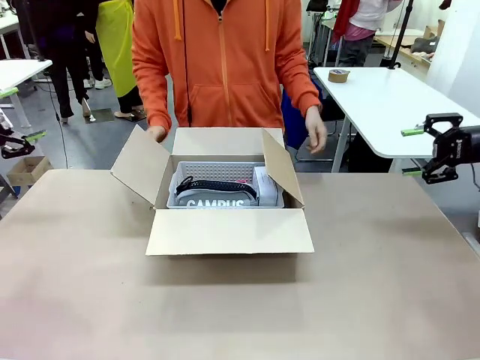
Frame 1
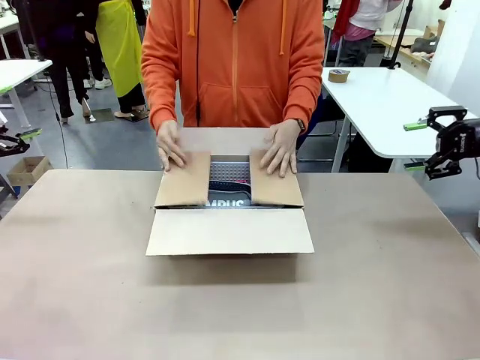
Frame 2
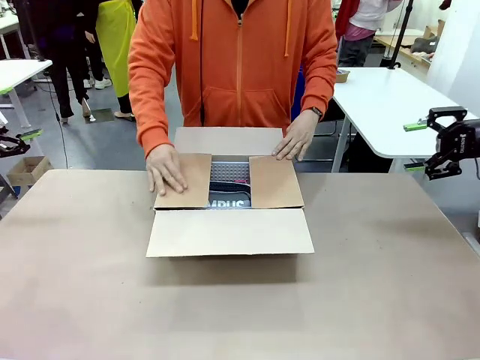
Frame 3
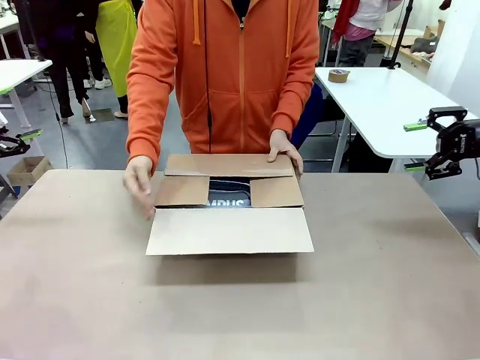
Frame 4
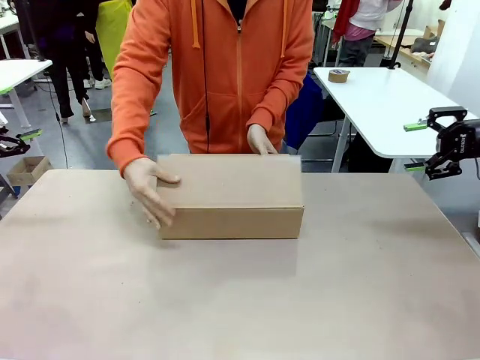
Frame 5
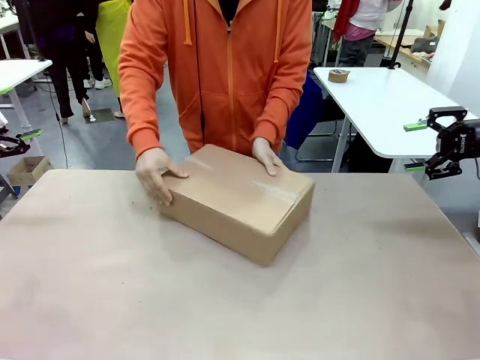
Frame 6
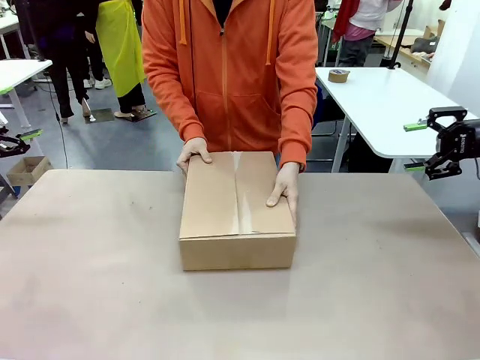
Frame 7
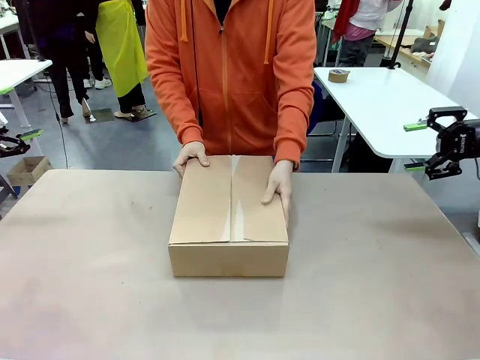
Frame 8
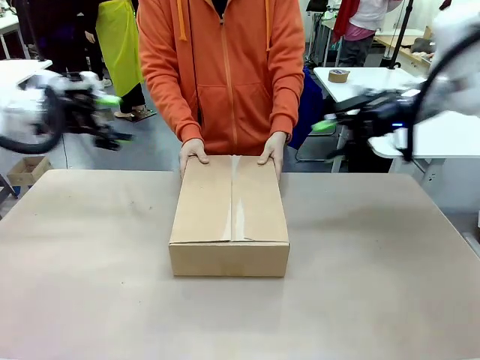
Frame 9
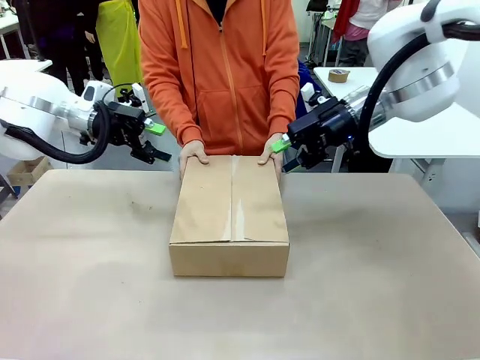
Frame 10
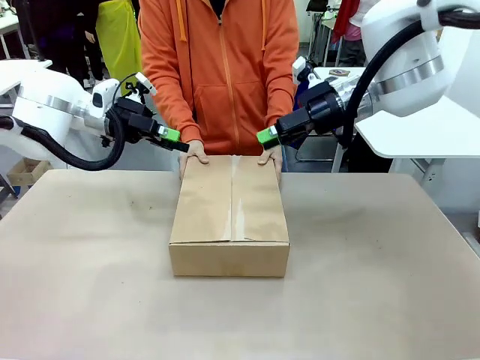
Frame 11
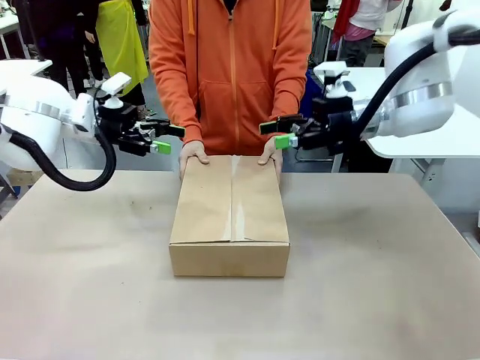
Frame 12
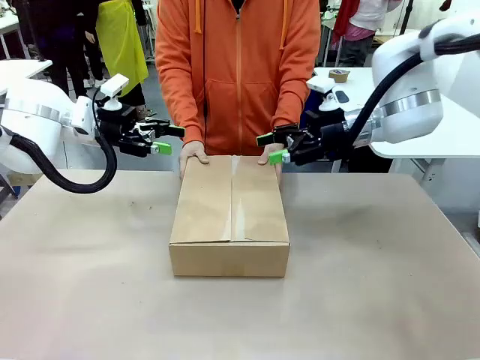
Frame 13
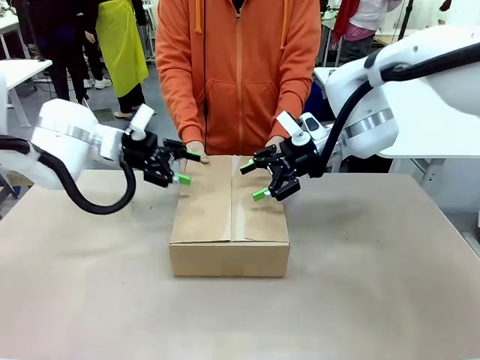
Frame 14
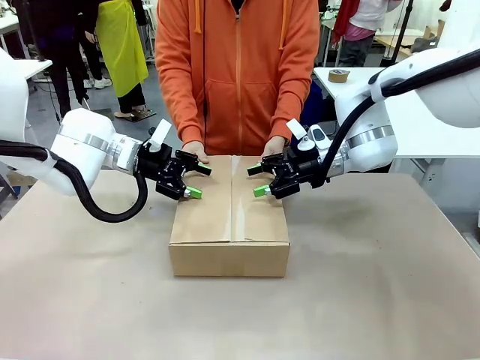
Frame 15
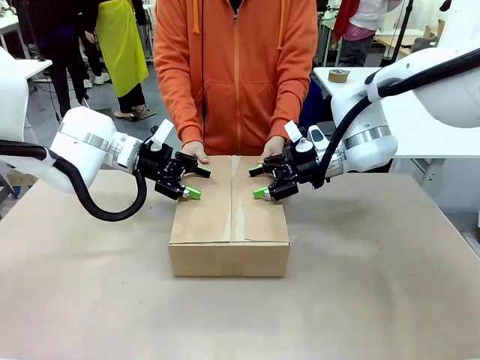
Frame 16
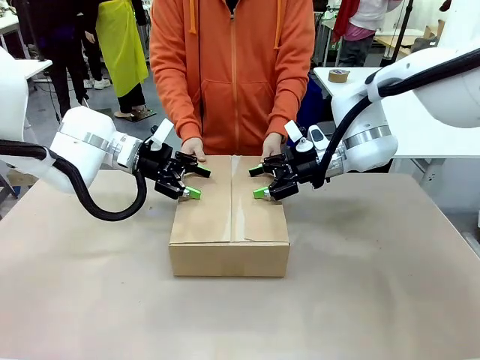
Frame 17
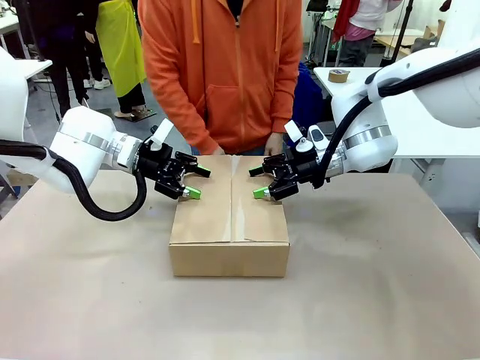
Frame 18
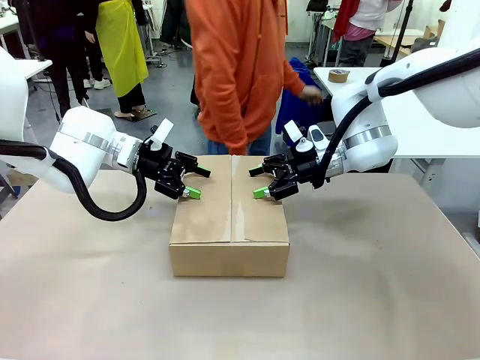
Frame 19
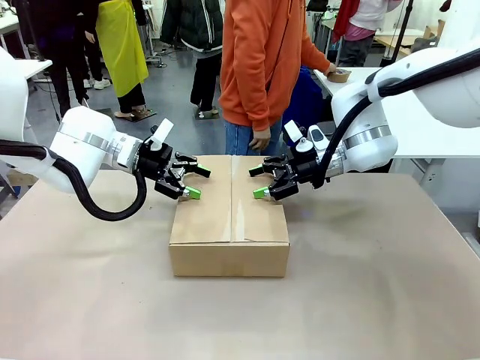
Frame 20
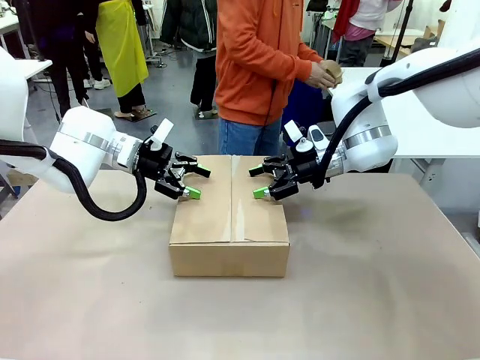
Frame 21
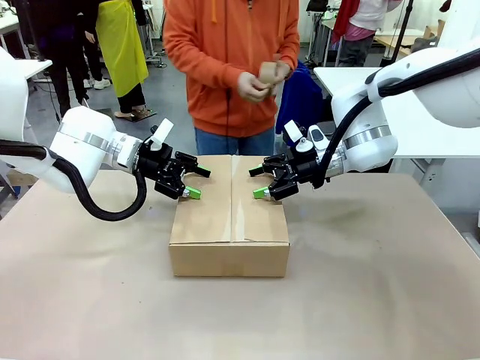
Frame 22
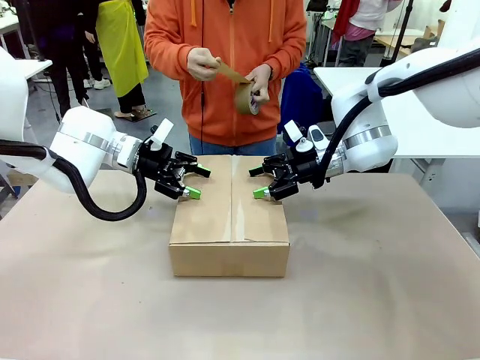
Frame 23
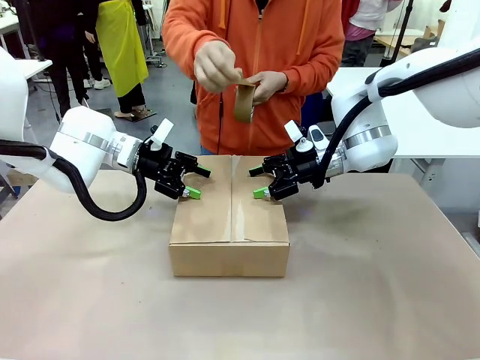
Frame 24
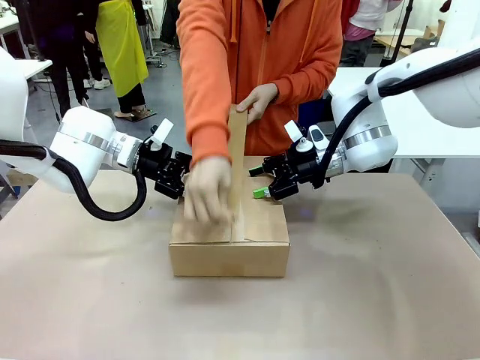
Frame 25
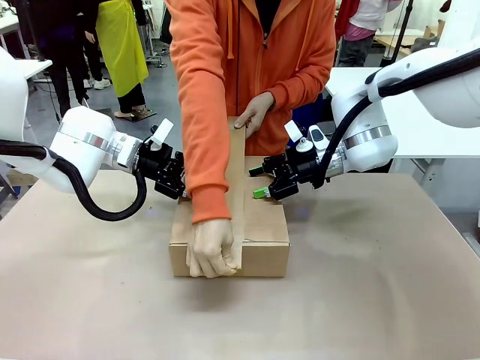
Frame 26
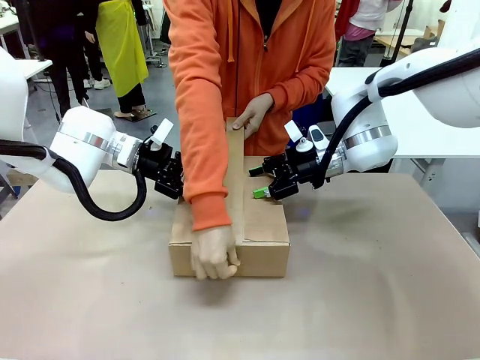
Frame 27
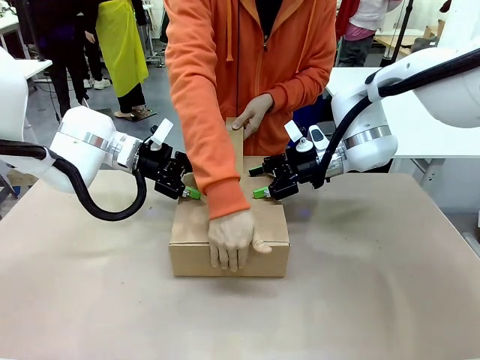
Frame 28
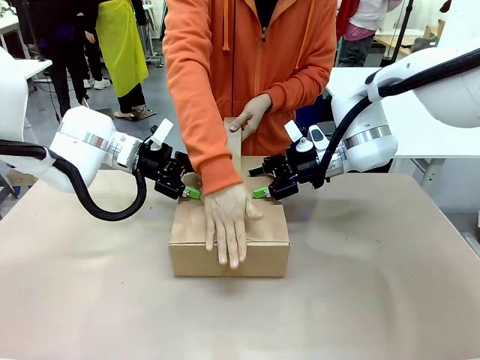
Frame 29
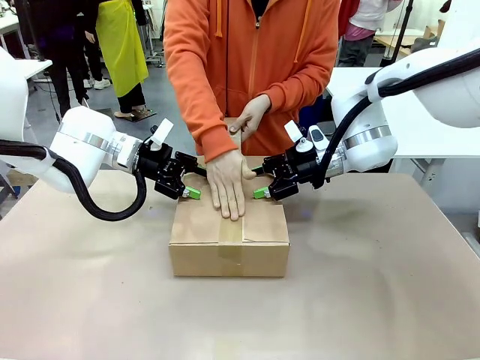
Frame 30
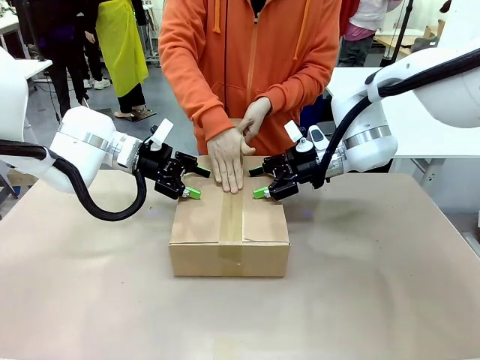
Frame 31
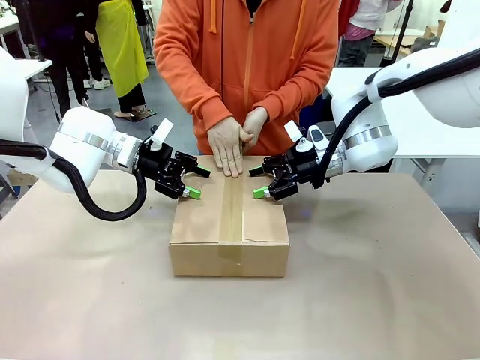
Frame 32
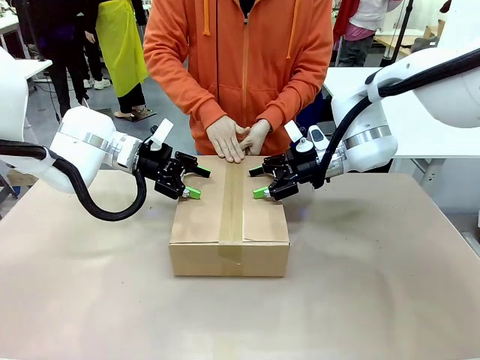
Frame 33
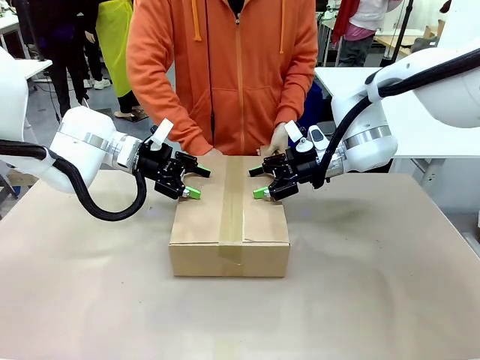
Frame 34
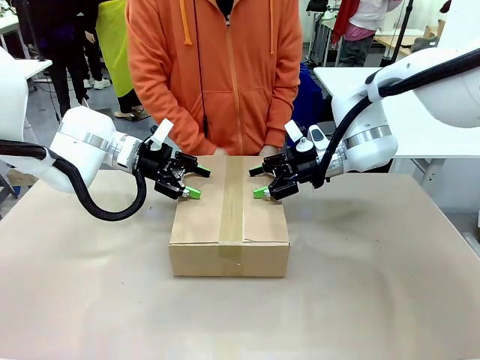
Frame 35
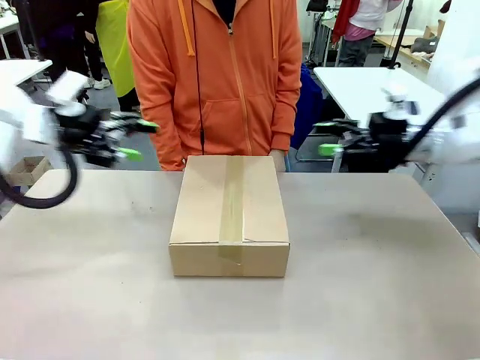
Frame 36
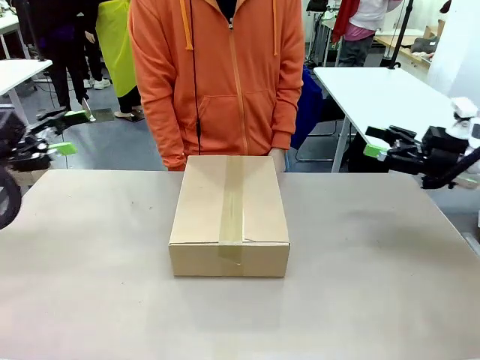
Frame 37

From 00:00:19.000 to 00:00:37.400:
Task: Pack the gift set into the box.
Robot: Press and hold the closed box until the human finishes sealing it.
Person: The human closes the box and rotates the box by 90 degrees. The human picks up the paper tape from the human table and packs the box.

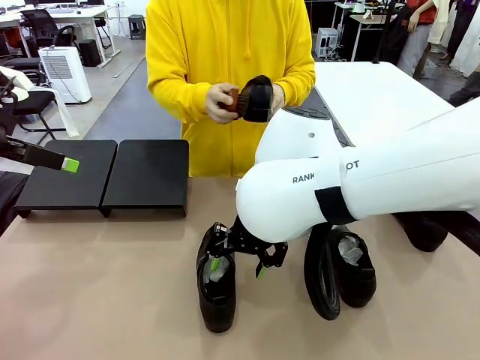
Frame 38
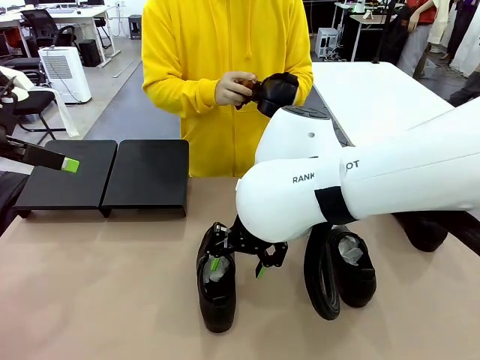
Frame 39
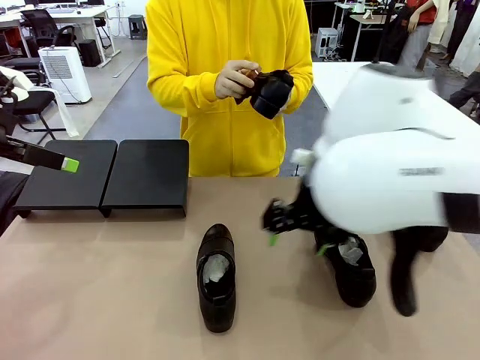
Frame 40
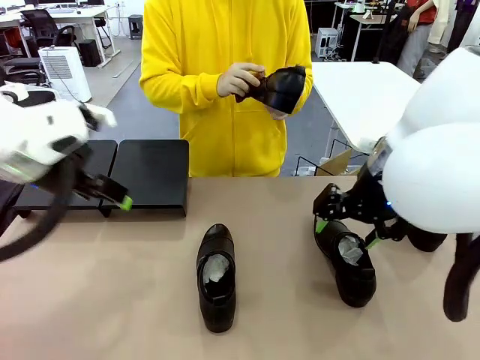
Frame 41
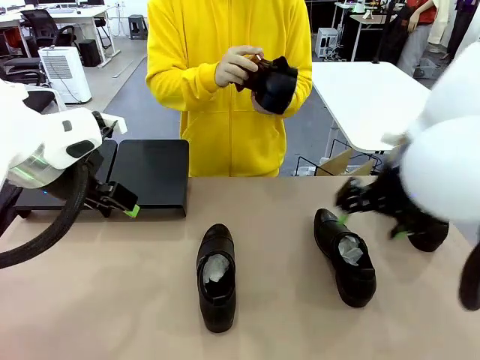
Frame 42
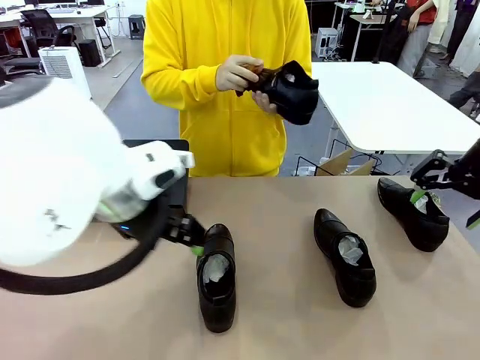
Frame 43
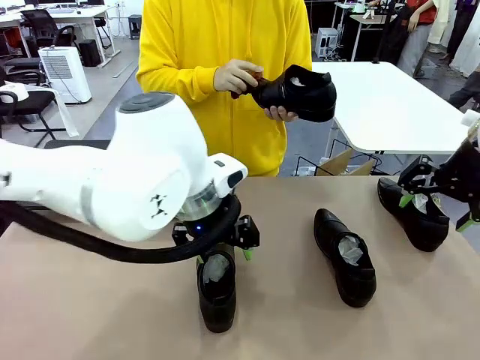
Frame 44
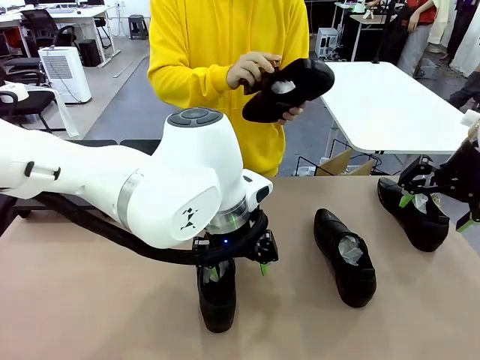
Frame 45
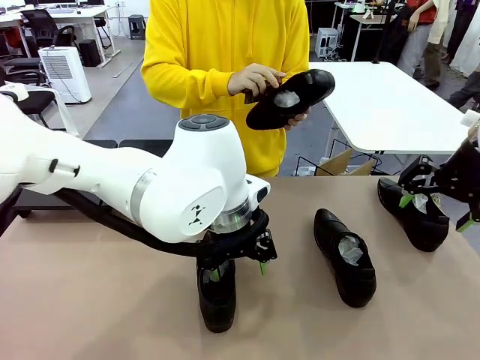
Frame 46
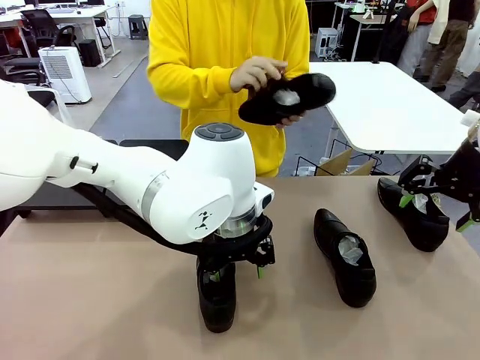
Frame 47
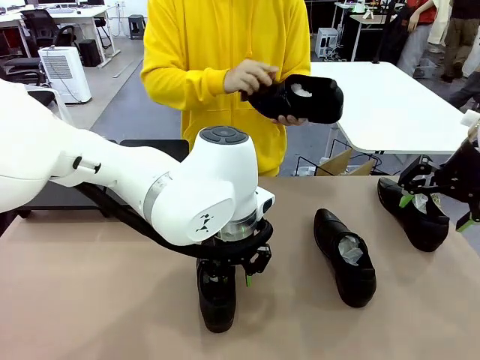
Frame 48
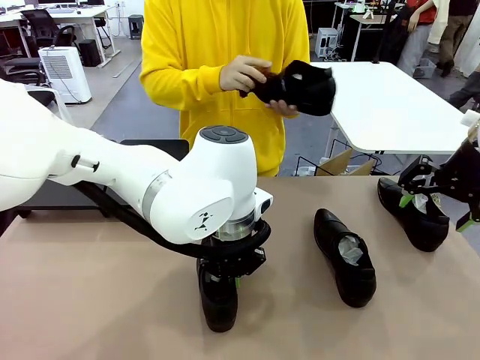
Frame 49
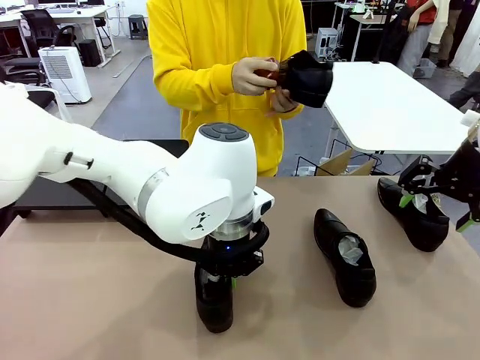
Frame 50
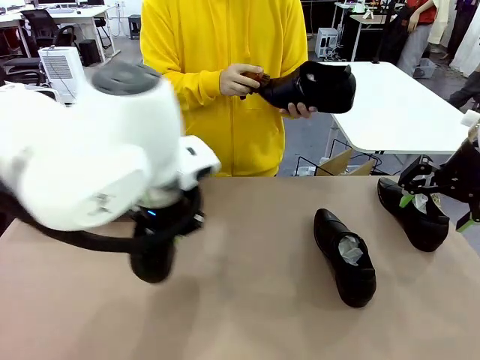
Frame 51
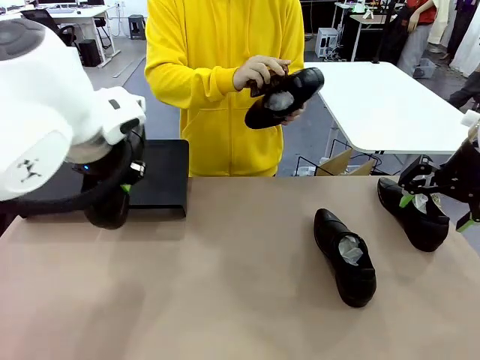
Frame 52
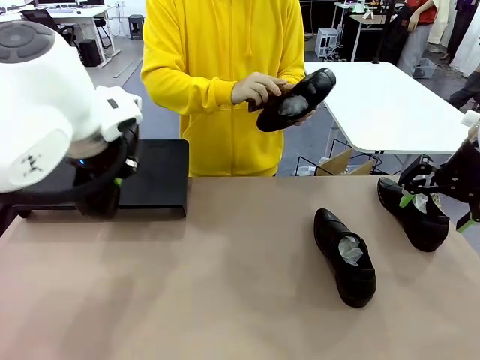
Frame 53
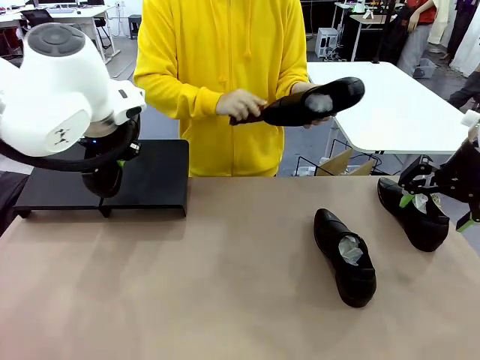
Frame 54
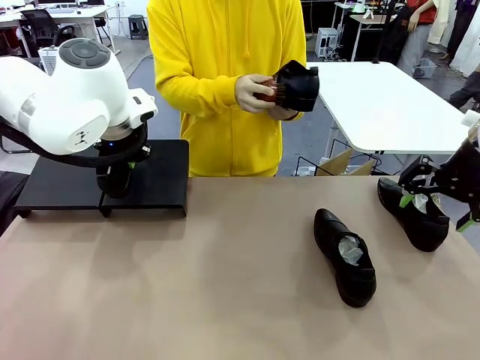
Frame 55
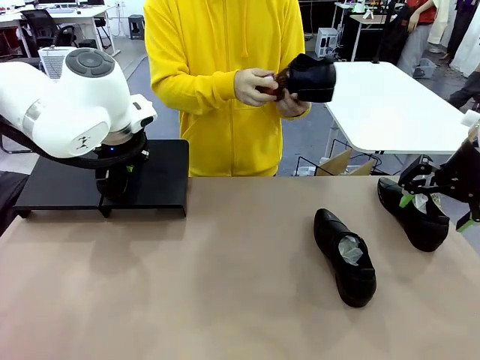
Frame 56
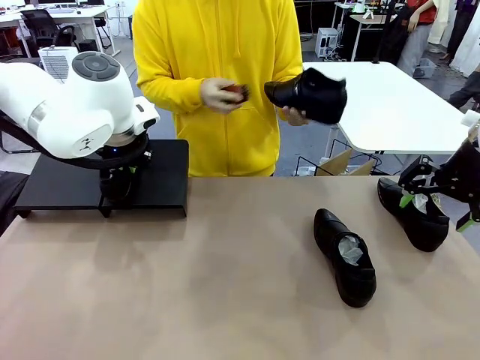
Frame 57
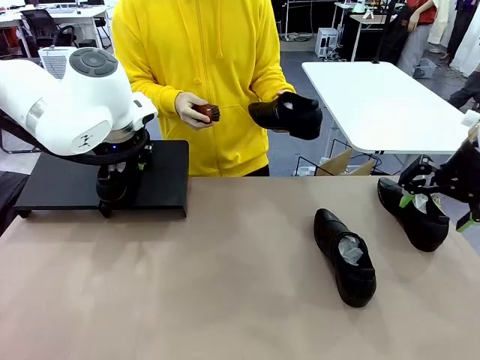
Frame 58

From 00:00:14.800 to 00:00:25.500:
Task: Organize the shoes by placing them on the stand.
Robot: Place the Shoe from the middle of the table onto the Shoes Stand.
Person: Clean the Shoe with the Shoe Brush.
